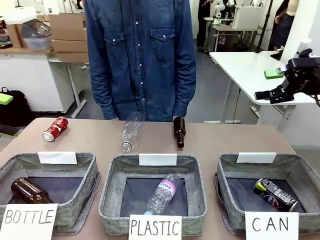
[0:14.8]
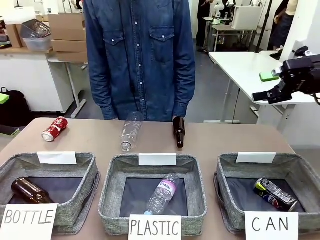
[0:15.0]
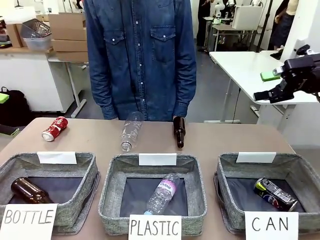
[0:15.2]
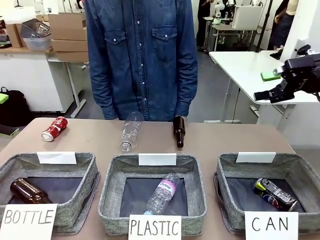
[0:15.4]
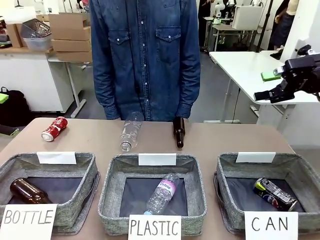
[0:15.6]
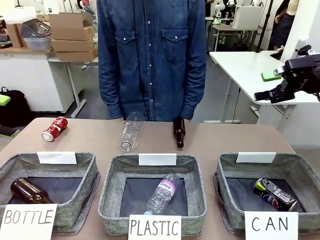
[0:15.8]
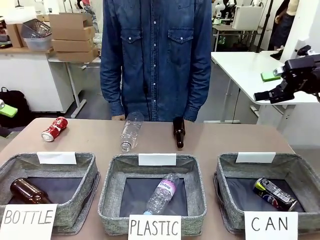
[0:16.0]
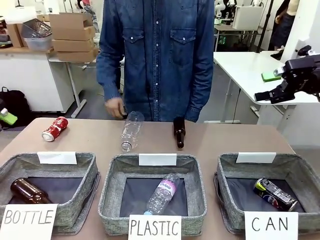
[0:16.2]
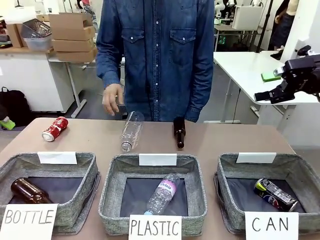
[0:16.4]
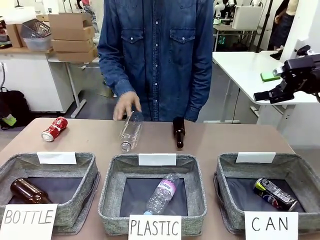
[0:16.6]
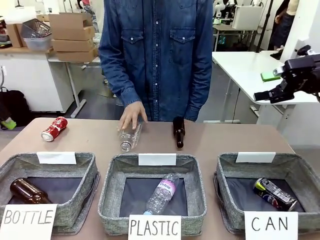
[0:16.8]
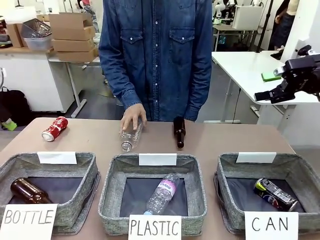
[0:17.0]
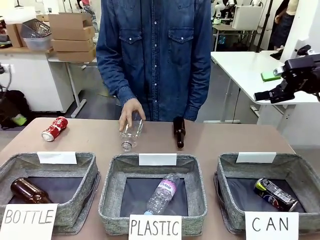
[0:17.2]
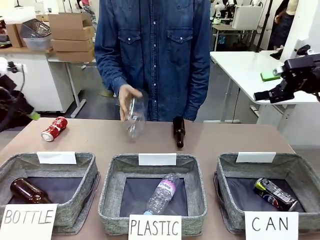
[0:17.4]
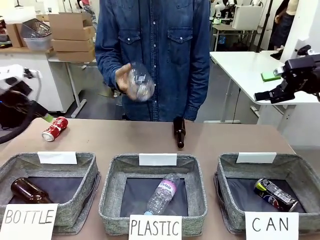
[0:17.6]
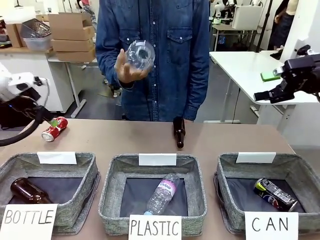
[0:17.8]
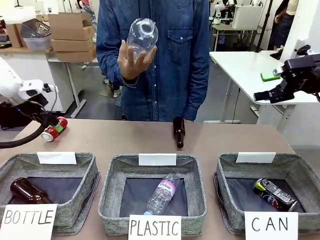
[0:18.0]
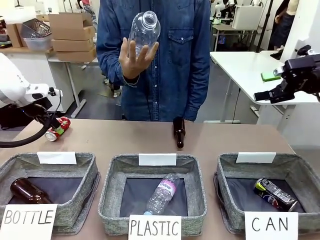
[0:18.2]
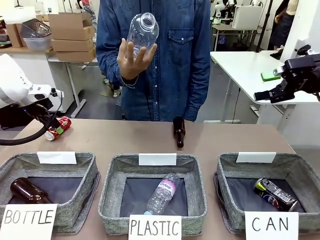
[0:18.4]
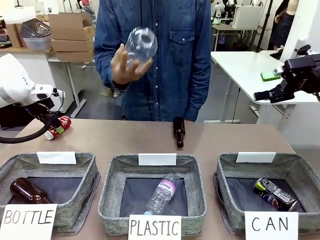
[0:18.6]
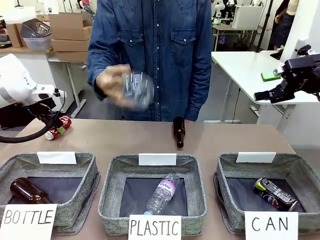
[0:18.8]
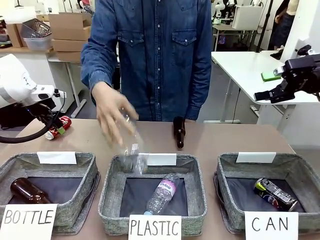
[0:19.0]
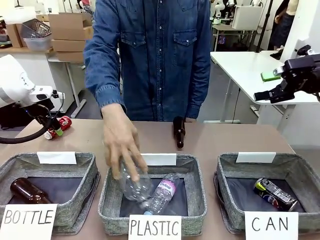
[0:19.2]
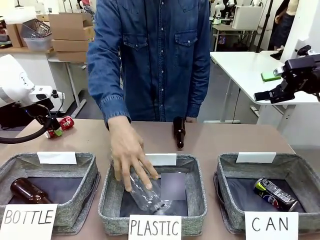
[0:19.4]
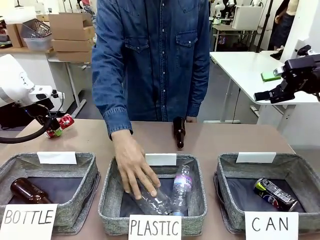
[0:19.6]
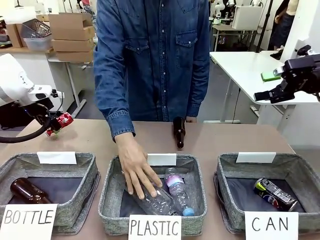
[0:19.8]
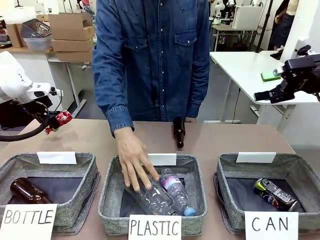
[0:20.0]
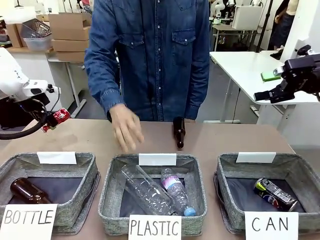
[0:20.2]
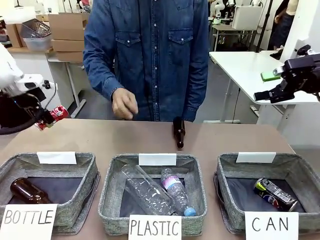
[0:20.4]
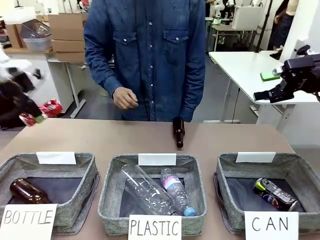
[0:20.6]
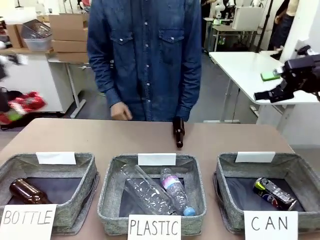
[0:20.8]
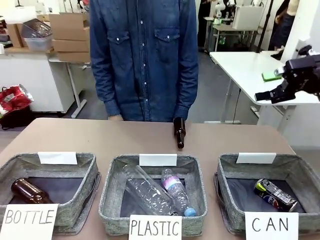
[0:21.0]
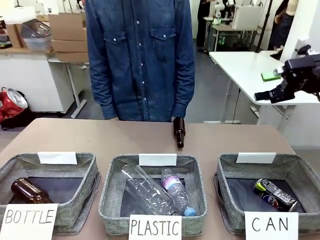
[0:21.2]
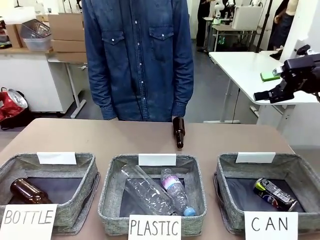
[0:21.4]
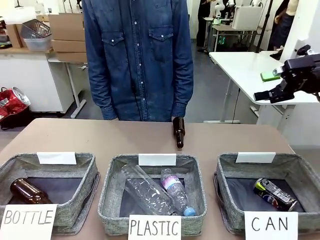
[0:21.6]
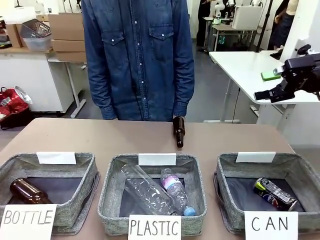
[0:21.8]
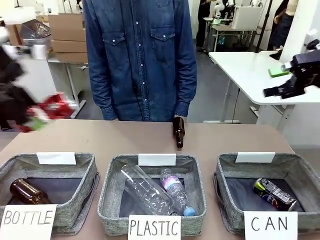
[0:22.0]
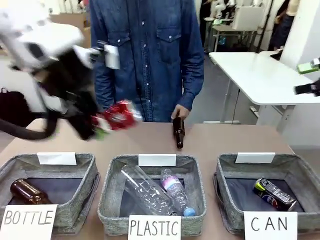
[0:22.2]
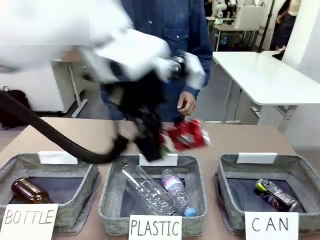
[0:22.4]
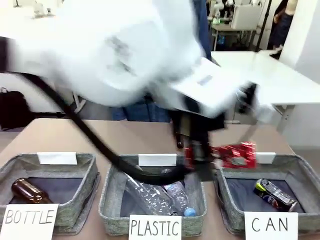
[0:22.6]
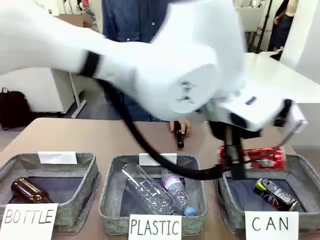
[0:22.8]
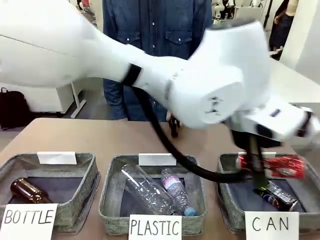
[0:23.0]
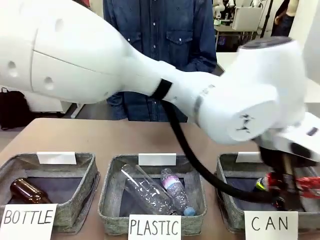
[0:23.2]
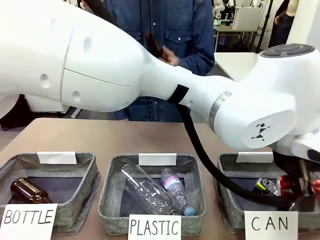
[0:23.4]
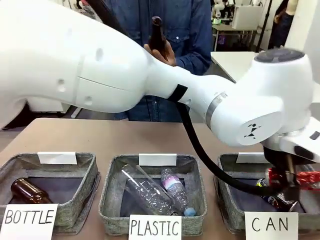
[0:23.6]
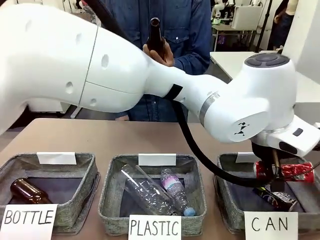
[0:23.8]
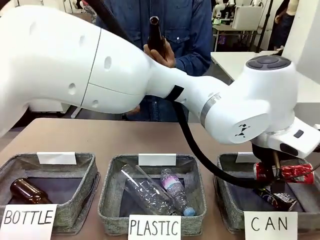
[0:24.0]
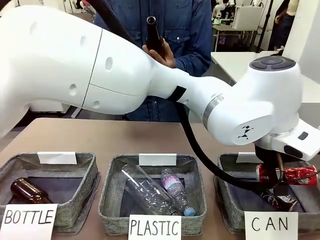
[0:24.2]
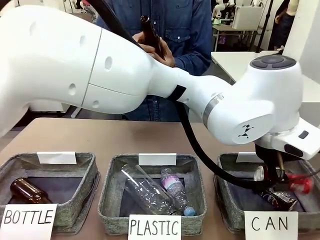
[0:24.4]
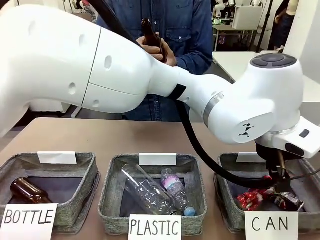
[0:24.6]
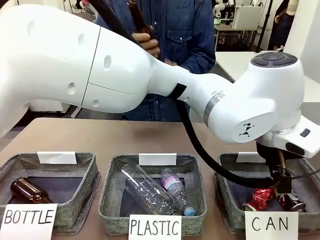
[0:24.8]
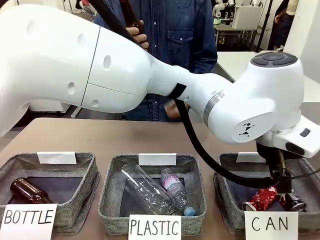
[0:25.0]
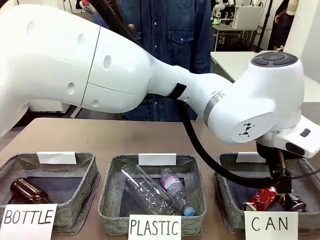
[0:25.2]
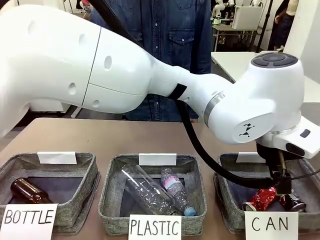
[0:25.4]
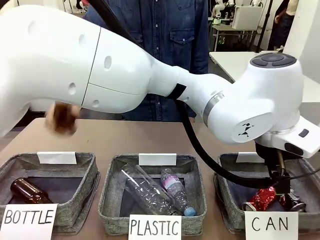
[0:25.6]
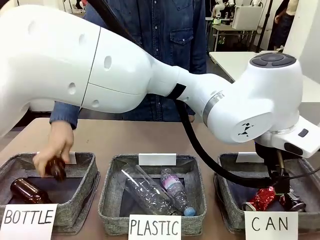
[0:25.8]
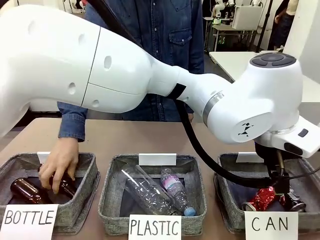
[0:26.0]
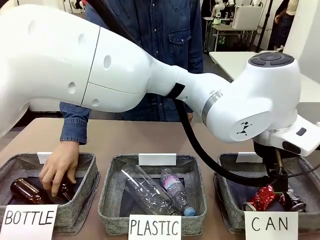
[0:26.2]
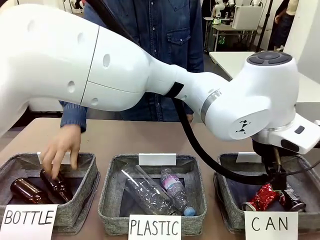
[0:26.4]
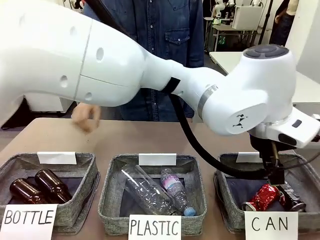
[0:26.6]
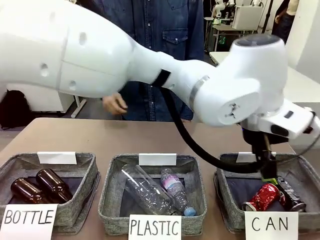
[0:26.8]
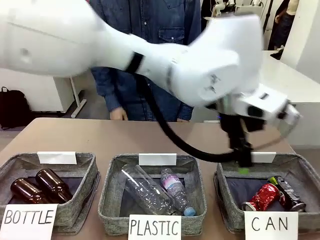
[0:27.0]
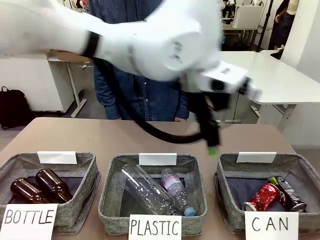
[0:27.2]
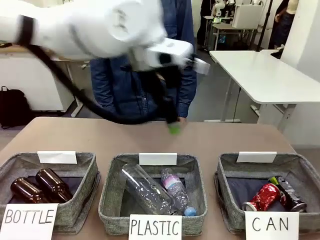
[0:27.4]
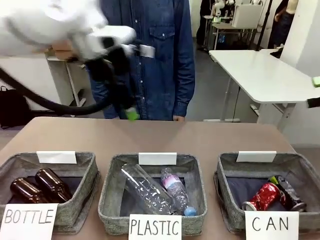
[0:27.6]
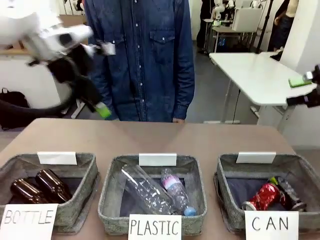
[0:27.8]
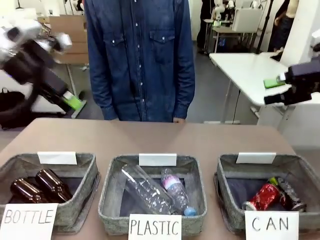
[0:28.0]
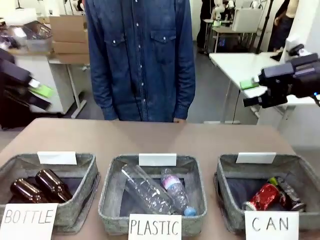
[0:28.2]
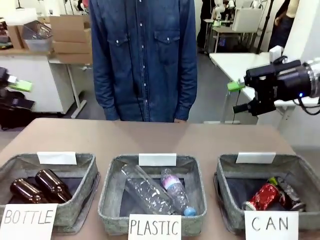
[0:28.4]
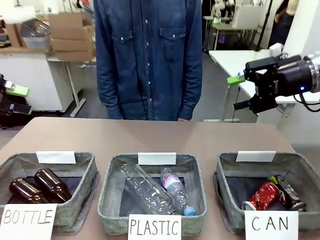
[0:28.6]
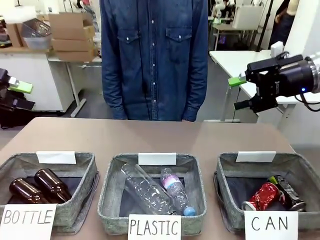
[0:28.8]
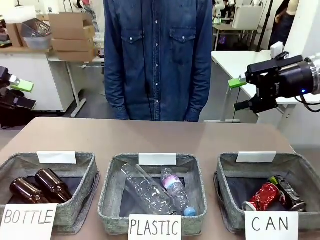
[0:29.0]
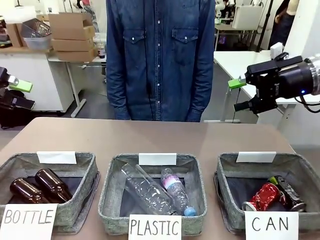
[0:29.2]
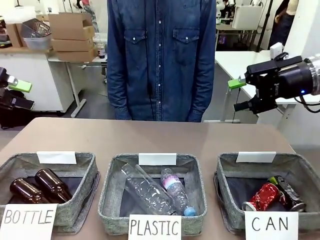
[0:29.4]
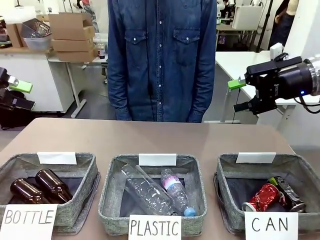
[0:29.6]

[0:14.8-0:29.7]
Task: Sort the can waste into the basket.
Robot: Pick up the can waste from the table and place it in the right Fabric basket.
Person: The human picks up one piece of trash that is not a can and places the trash into the appropriate organizing basket.
